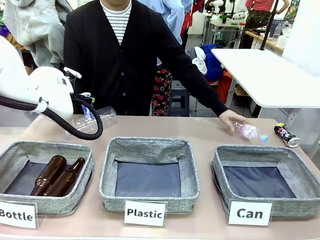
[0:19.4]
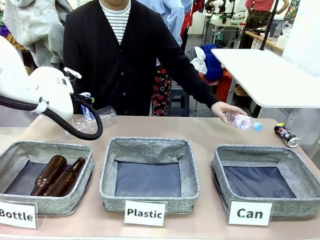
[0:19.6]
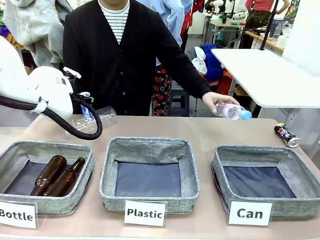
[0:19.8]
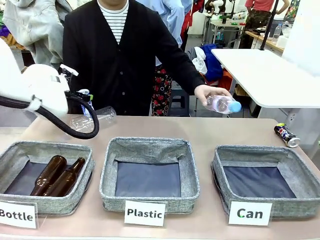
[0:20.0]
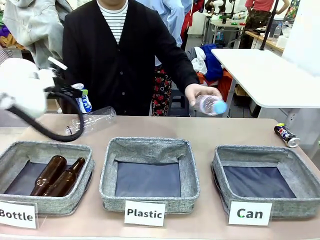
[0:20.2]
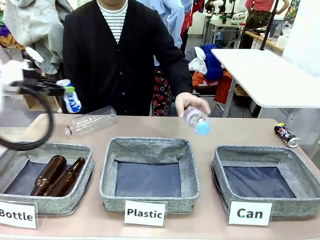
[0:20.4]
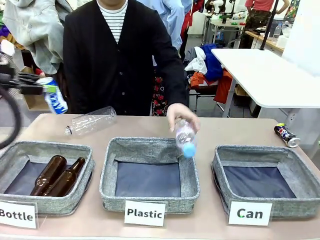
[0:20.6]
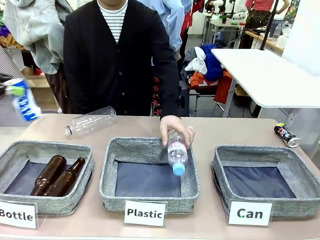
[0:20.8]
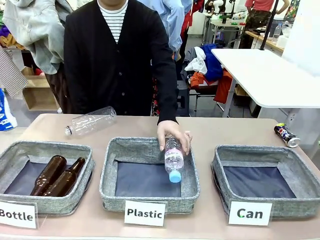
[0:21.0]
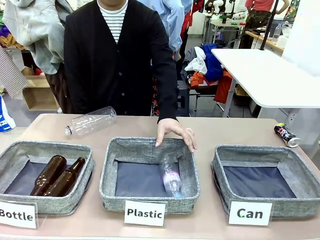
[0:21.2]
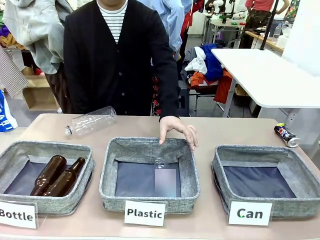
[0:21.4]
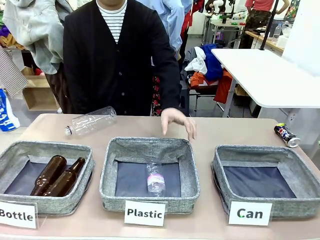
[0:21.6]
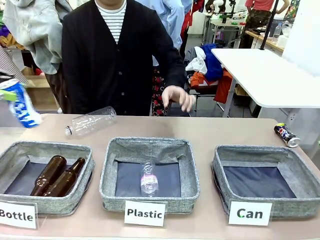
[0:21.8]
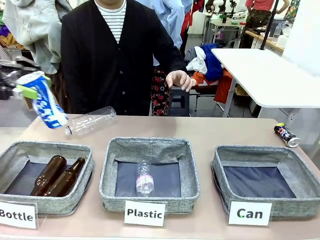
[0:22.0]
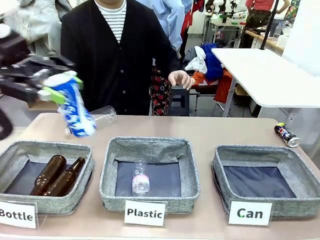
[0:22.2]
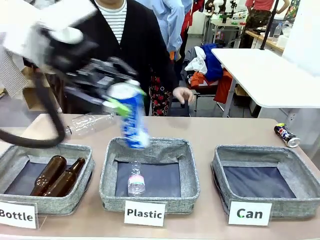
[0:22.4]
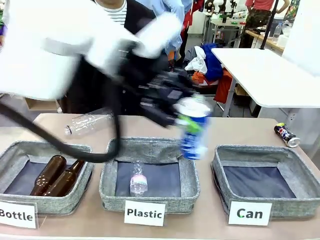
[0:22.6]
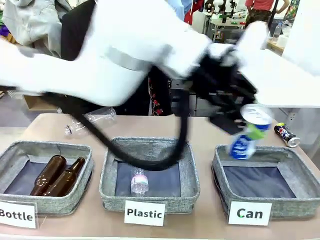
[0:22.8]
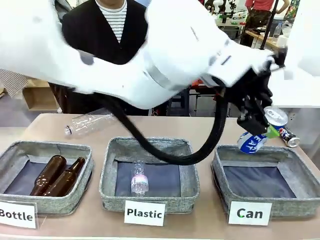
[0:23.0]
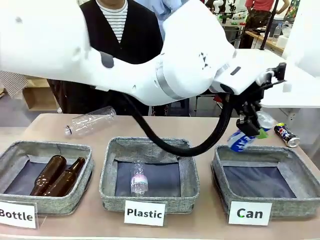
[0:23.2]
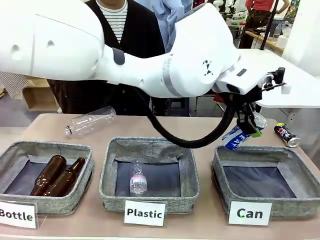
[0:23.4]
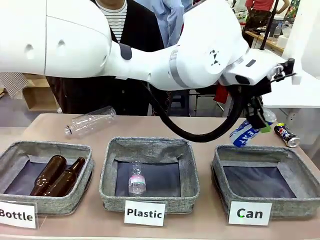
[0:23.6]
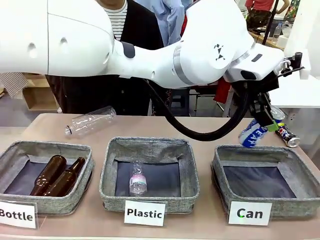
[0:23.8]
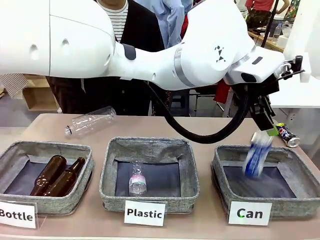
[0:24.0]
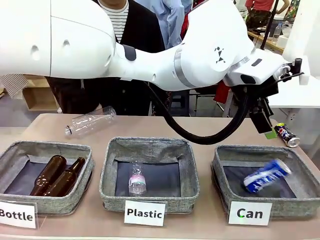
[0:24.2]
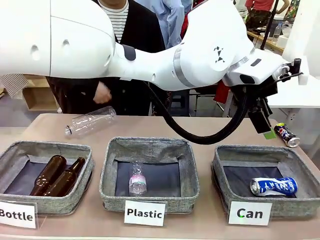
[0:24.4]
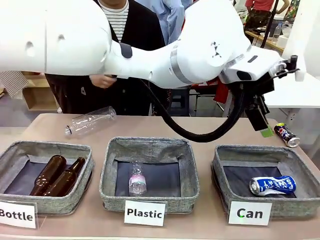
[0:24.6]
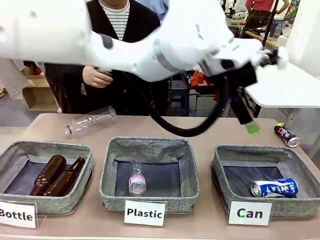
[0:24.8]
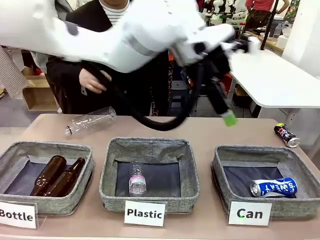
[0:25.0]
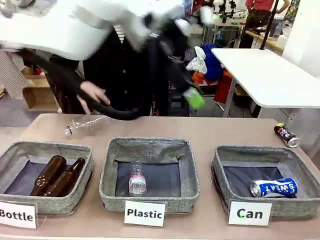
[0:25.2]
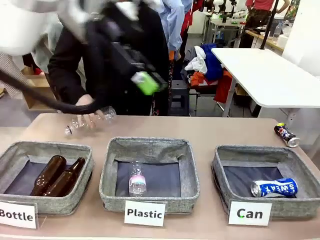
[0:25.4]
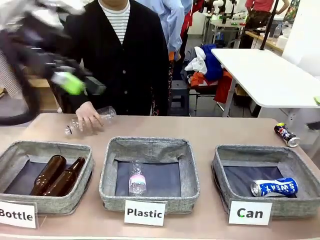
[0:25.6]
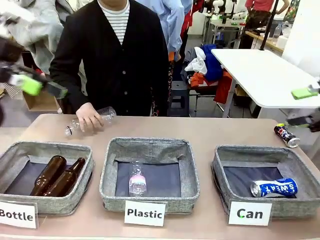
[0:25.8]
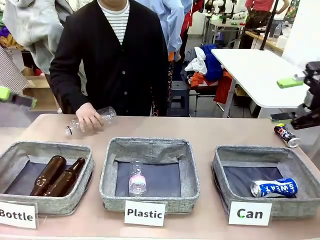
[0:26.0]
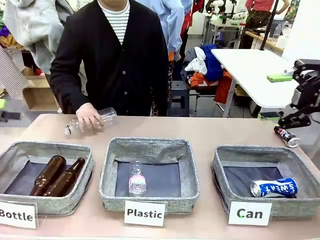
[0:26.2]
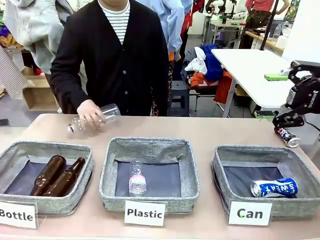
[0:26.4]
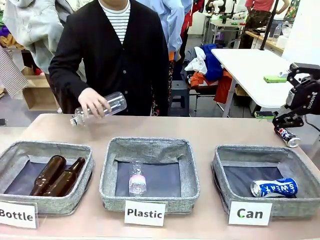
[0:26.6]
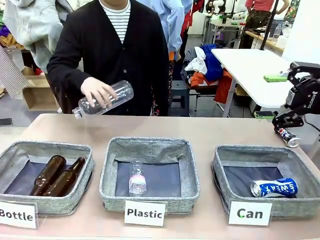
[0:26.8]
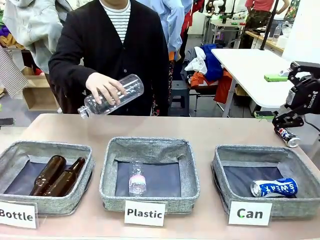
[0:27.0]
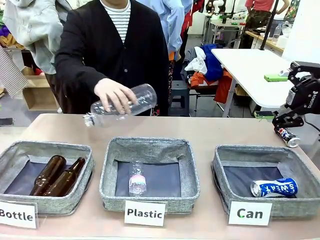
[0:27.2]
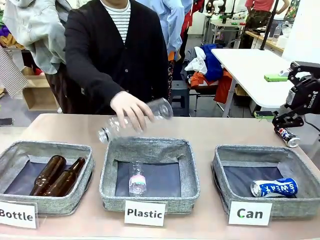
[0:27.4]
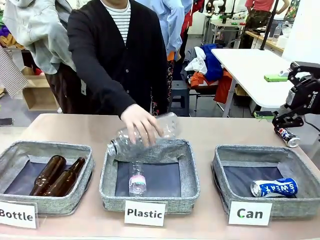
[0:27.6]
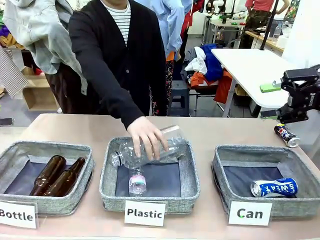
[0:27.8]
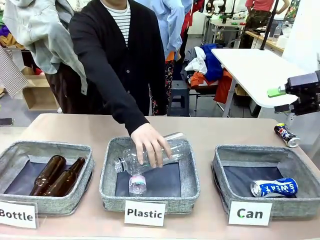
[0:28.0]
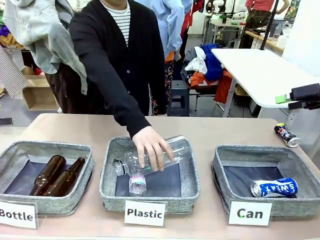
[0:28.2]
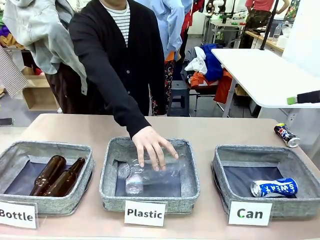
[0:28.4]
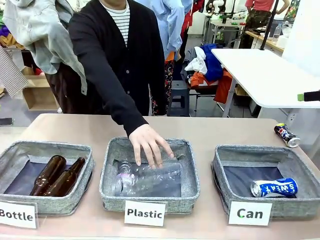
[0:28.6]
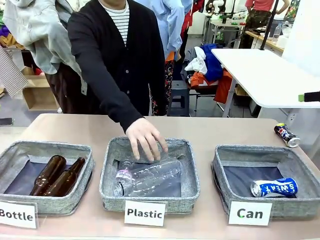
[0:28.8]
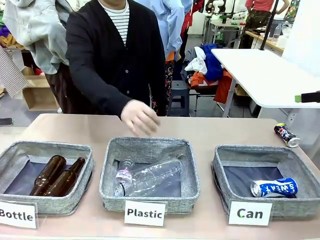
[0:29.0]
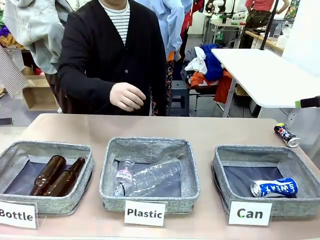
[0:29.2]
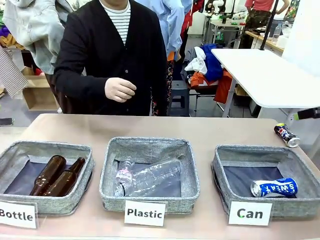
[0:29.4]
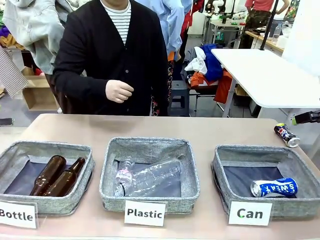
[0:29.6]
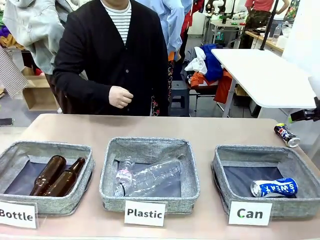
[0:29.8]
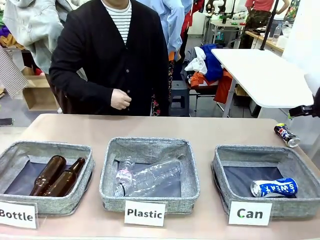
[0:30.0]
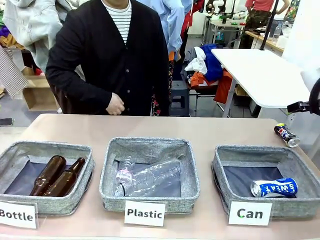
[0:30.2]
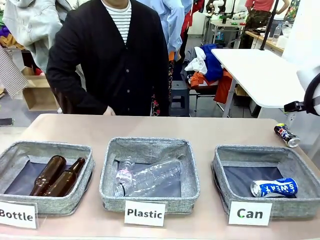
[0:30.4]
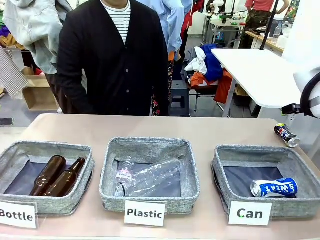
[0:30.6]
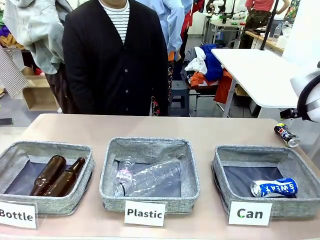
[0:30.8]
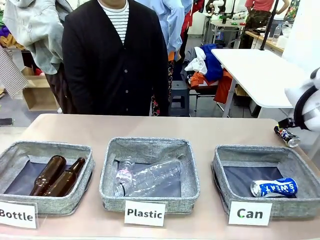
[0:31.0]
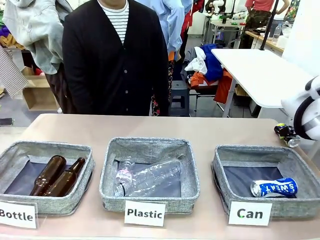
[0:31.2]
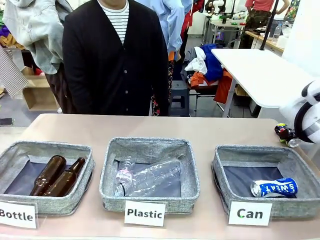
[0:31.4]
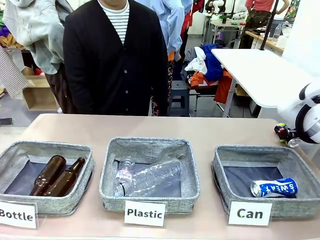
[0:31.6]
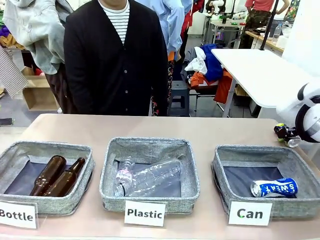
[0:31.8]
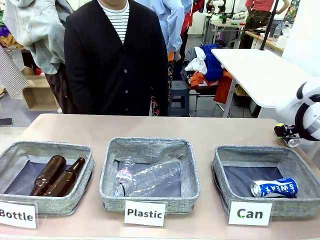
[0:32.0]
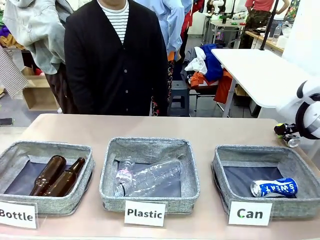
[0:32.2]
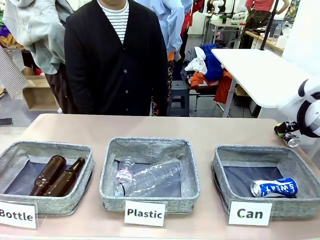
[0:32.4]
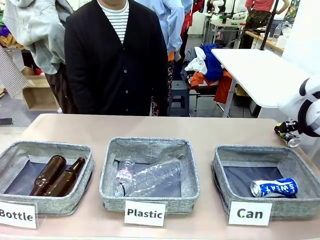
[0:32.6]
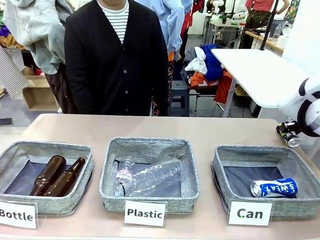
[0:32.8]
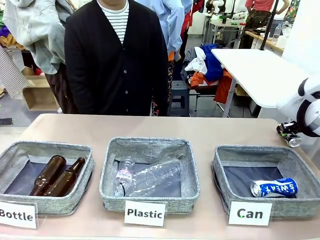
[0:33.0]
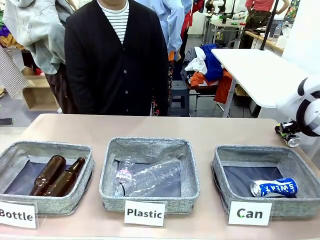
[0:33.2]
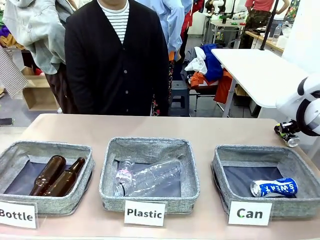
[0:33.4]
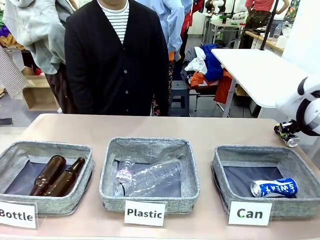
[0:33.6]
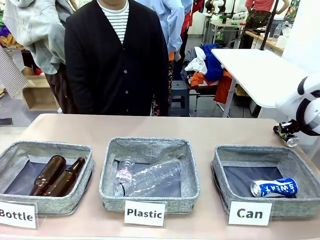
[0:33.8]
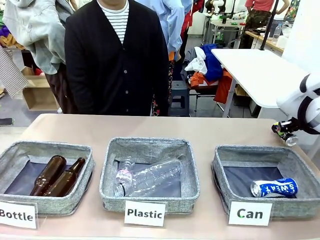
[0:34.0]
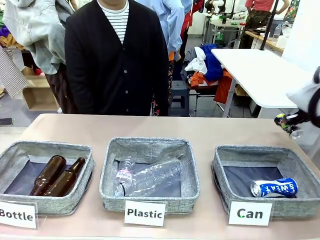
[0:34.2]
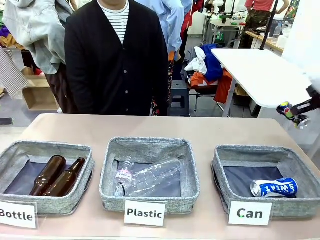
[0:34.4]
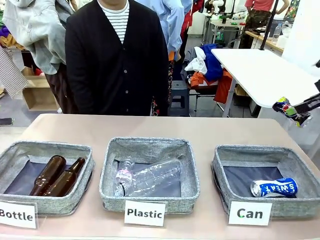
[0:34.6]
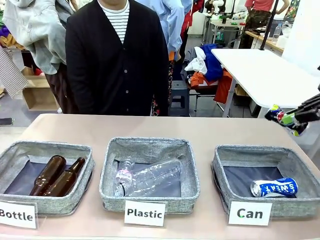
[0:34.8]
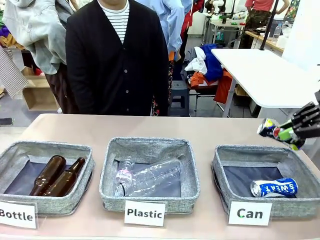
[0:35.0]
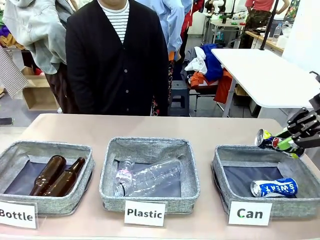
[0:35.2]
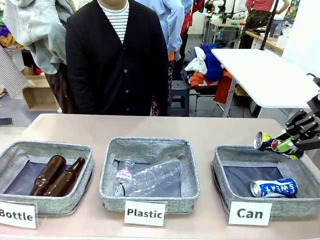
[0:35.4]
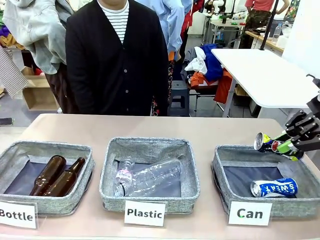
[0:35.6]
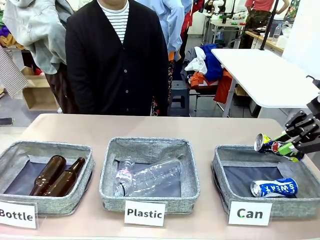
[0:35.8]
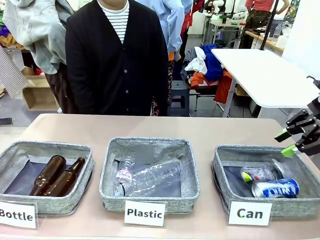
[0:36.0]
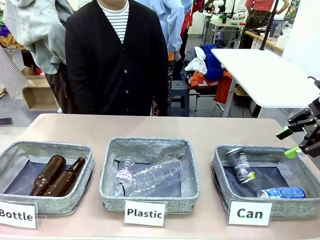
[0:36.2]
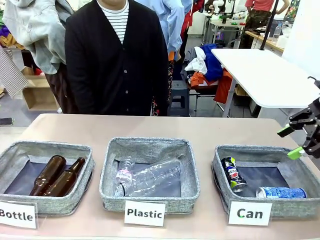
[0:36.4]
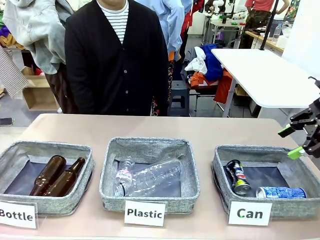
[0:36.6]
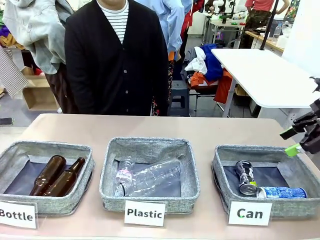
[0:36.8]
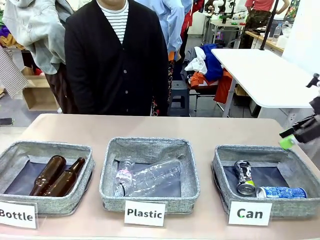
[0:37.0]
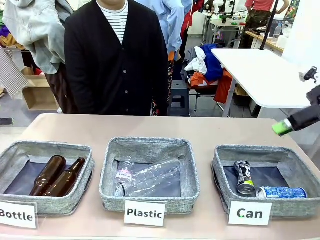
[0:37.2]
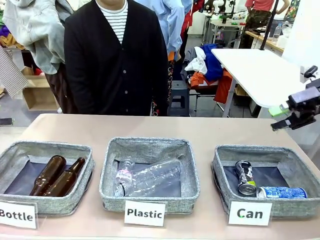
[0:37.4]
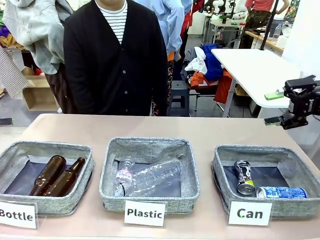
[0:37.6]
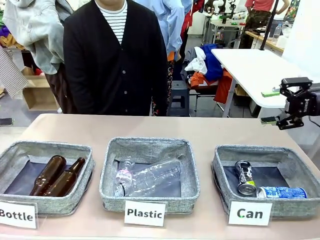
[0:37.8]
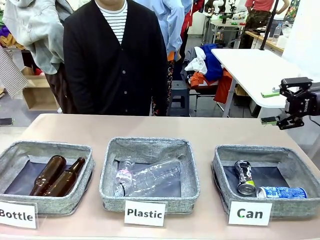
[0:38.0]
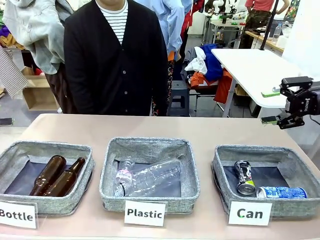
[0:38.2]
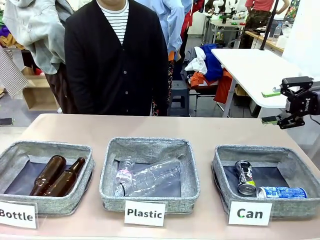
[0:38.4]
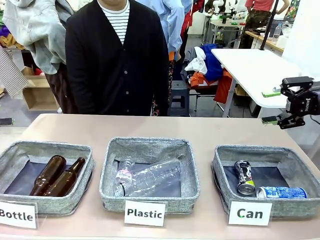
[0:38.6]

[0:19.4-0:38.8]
Task: Sort the can waste into the basket.
Robot: Pick up the can waste from the table and place it in the right Fabric basket.
